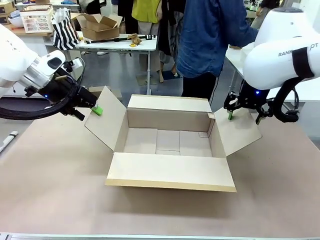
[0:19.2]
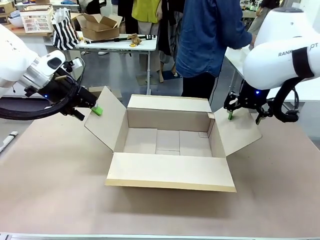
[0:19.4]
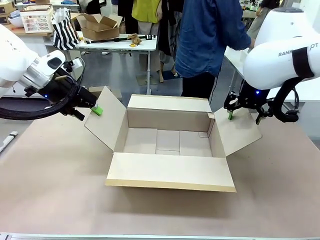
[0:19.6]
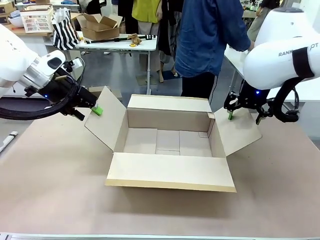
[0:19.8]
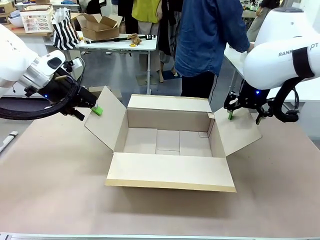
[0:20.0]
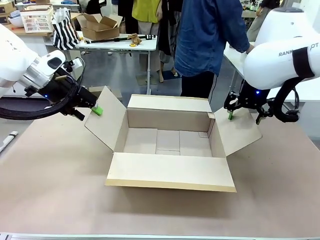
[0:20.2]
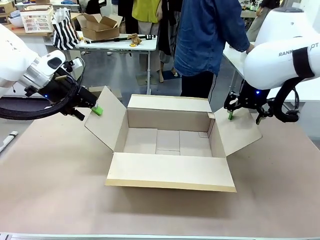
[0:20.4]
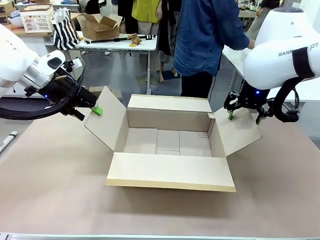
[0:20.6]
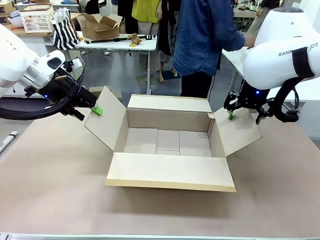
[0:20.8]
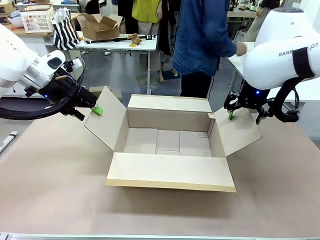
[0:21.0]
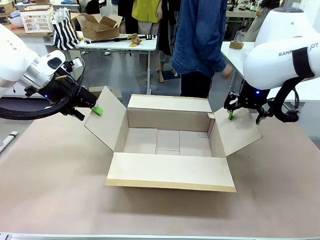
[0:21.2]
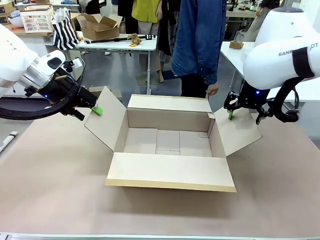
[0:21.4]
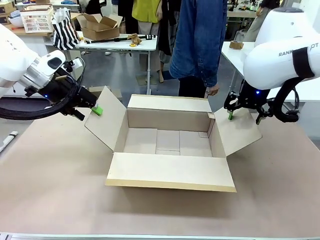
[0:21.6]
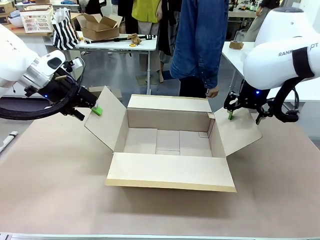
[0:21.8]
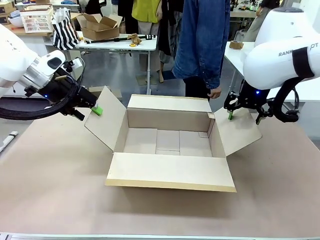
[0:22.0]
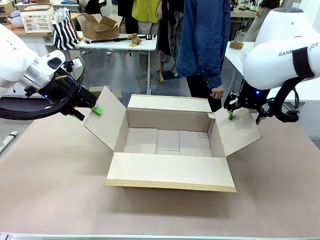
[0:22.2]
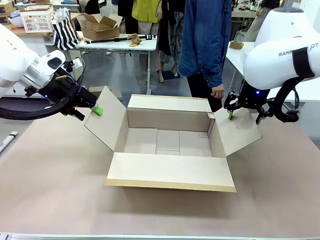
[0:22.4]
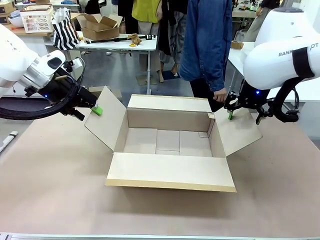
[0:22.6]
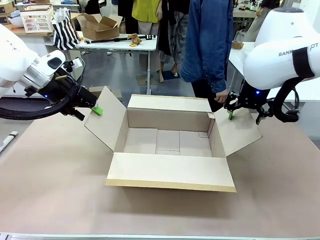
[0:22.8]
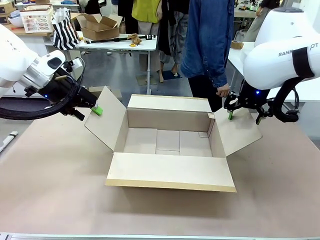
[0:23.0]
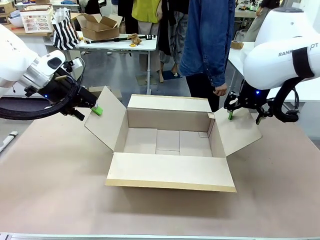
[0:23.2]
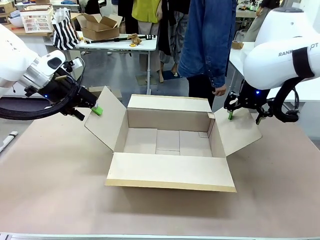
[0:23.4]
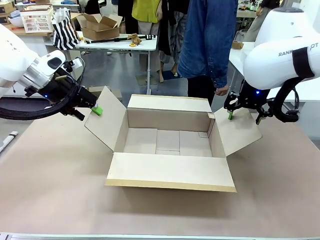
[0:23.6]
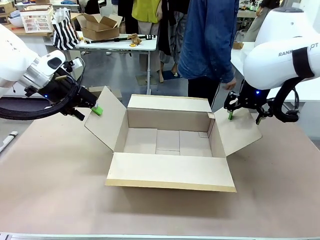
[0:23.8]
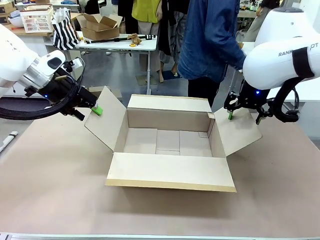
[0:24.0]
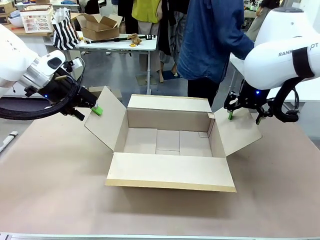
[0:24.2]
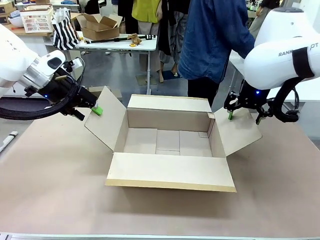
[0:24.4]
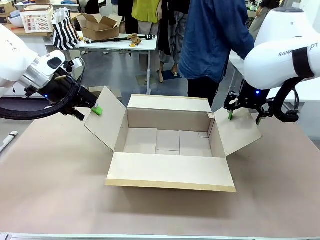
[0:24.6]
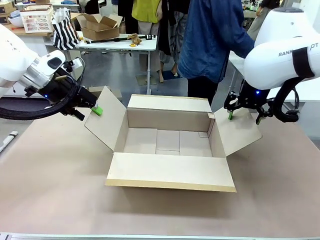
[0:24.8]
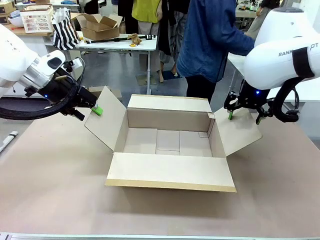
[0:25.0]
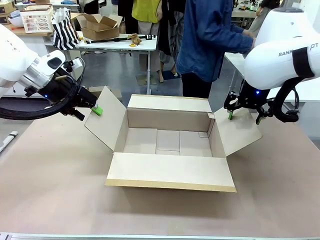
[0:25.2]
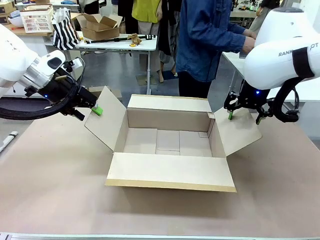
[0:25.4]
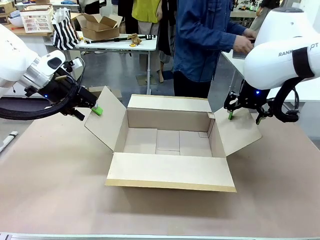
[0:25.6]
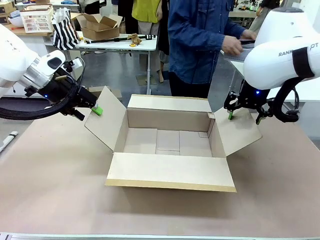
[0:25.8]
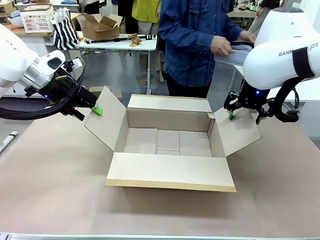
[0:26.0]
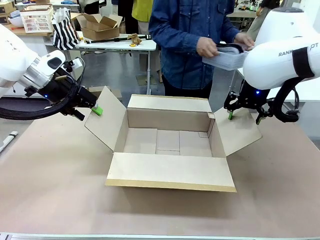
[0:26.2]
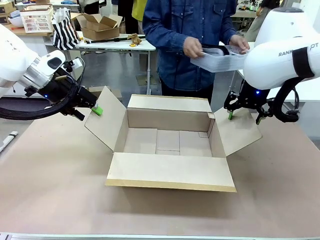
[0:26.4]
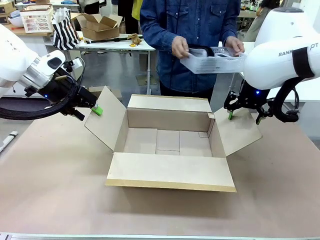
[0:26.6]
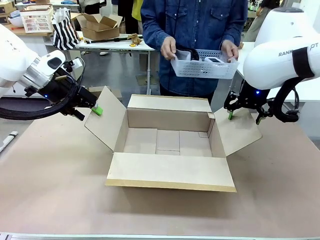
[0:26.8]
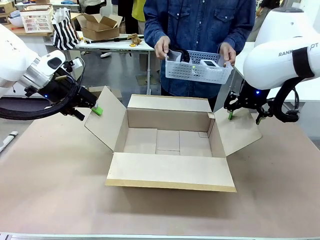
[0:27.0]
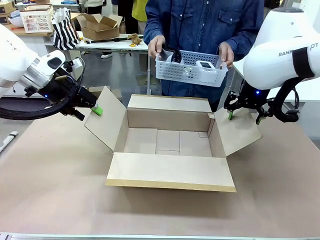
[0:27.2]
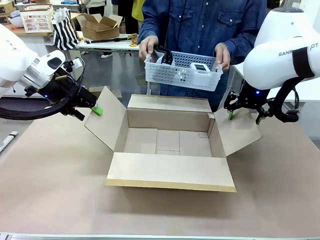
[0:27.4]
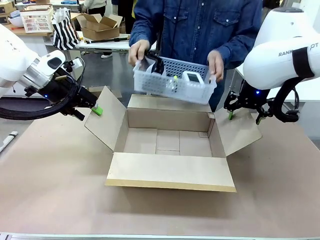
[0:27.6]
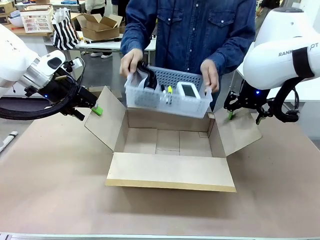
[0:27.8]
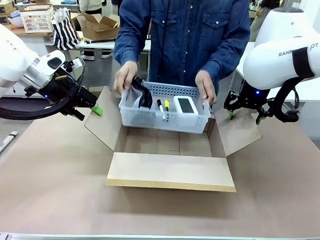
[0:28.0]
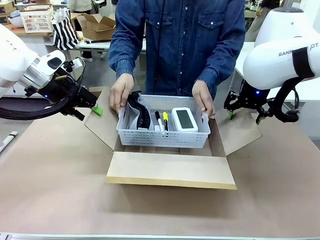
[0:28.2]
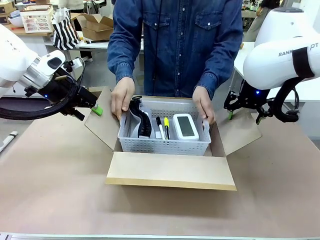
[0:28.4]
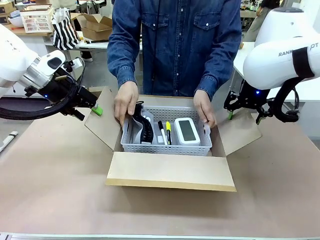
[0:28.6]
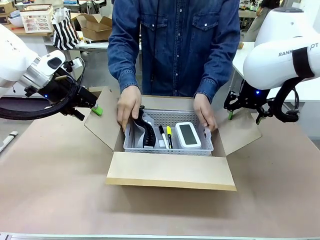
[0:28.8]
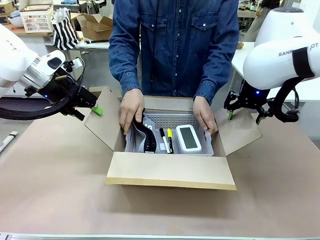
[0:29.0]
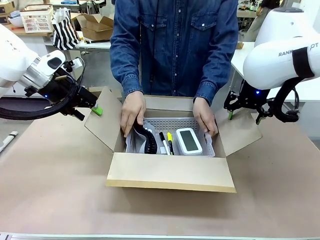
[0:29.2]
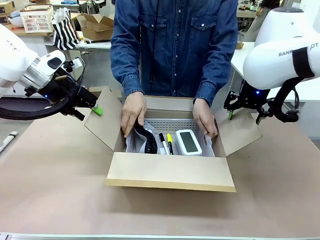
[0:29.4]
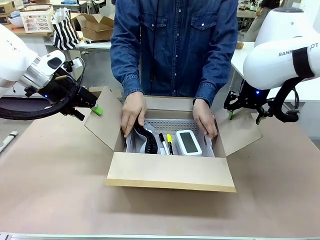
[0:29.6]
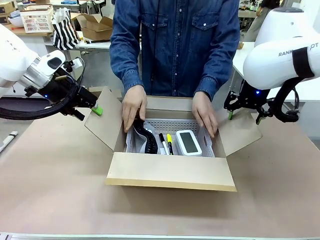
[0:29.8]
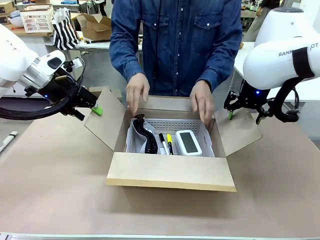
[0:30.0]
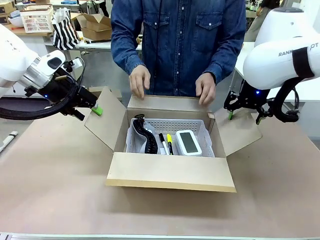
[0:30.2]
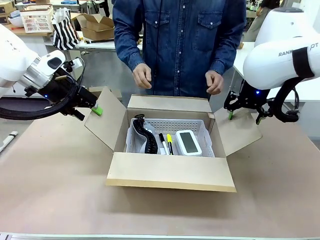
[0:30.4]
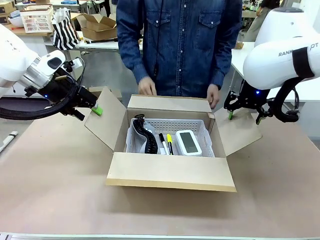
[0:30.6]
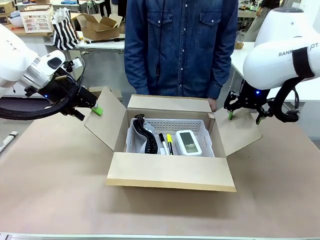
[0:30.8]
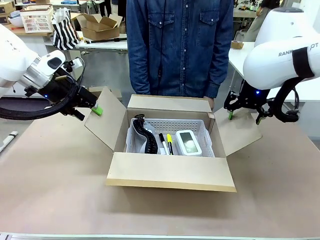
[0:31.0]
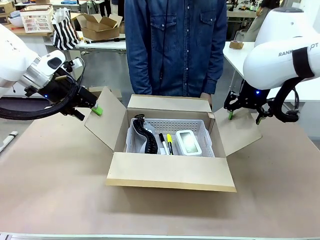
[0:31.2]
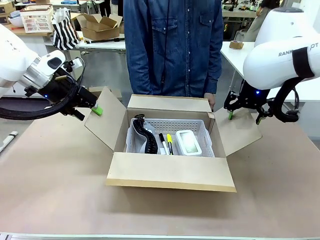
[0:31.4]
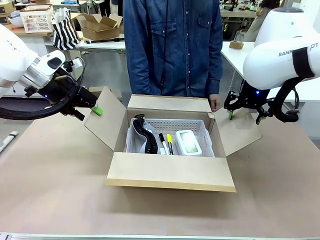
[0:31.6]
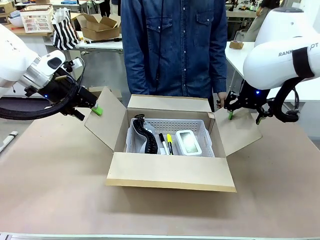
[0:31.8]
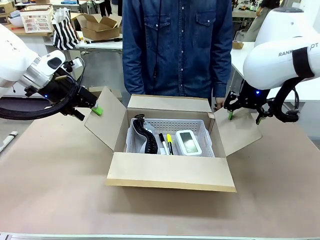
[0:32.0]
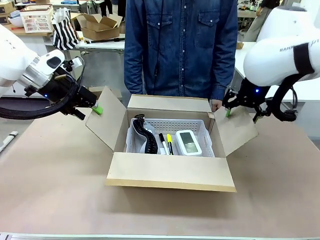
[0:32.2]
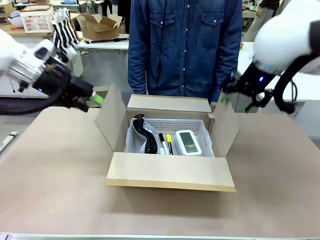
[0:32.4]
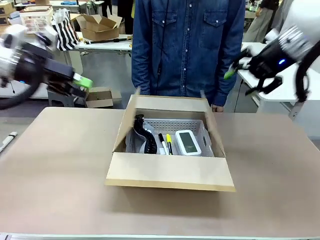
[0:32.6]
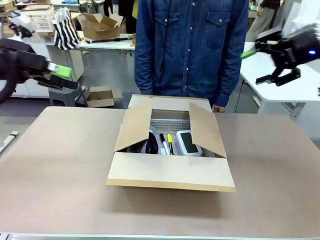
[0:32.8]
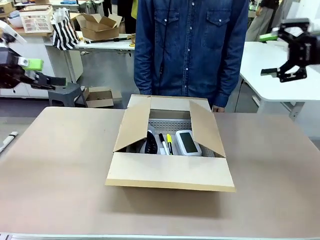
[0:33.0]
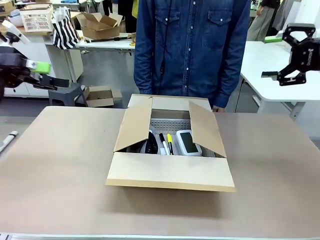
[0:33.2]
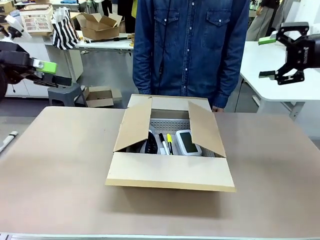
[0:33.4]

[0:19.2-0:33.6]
Task: Pack the gift set into the box.
Robot: Lift both hands away from the flaps of the Package Box.
Person: The human picks up the organizing basket and places the organizing basket into the package box on the robot table.
